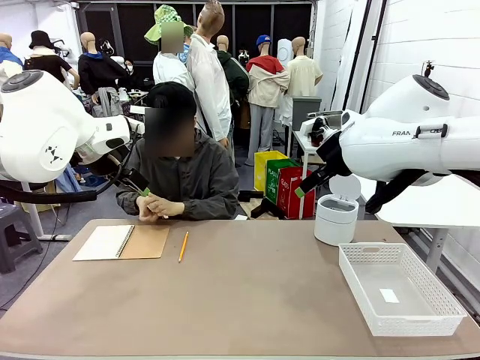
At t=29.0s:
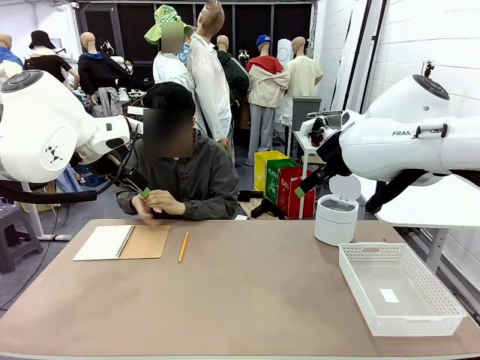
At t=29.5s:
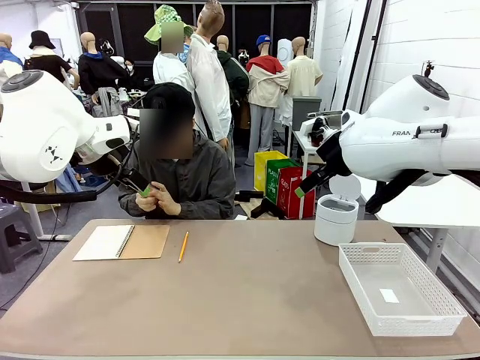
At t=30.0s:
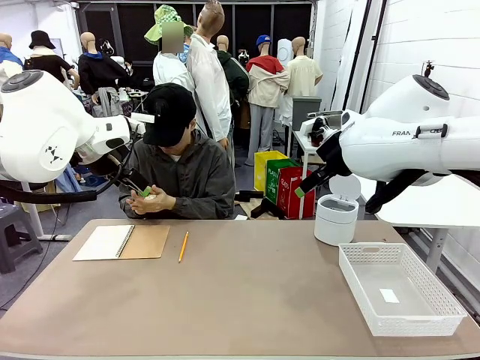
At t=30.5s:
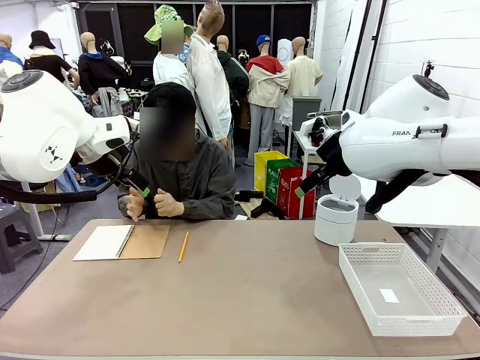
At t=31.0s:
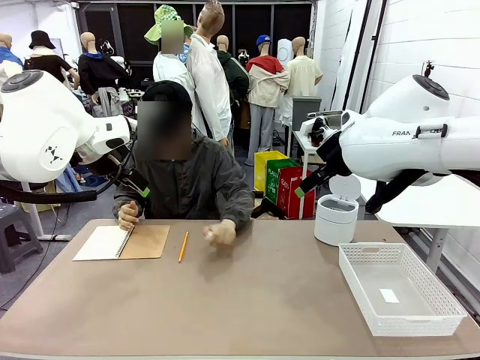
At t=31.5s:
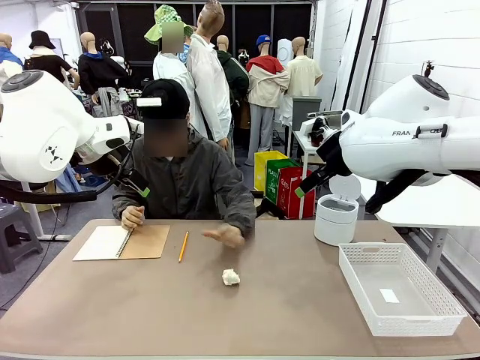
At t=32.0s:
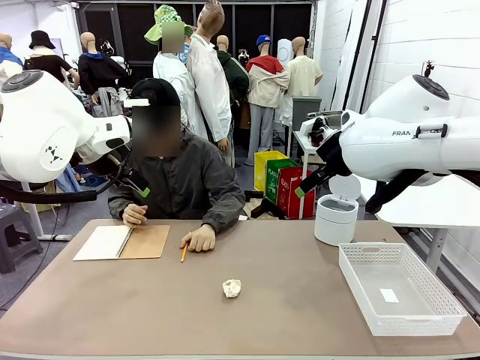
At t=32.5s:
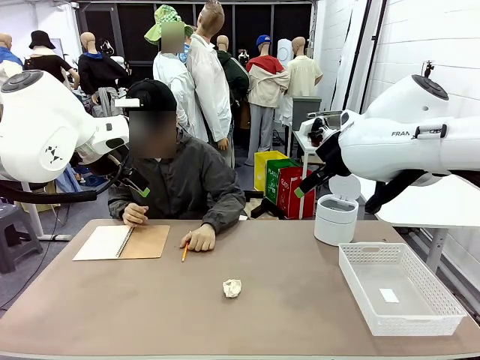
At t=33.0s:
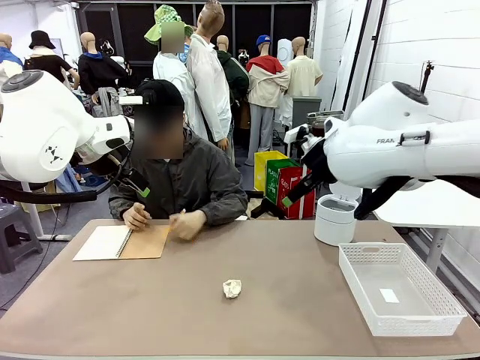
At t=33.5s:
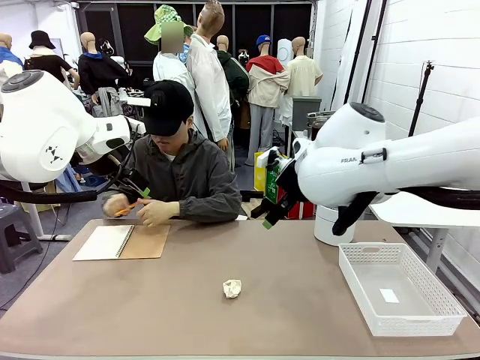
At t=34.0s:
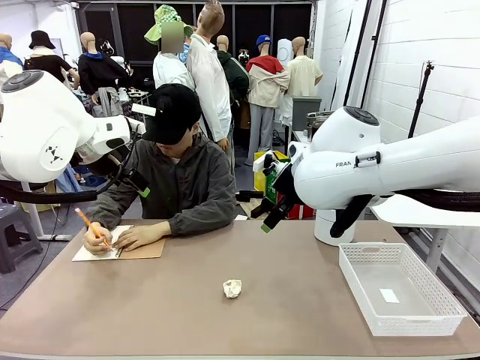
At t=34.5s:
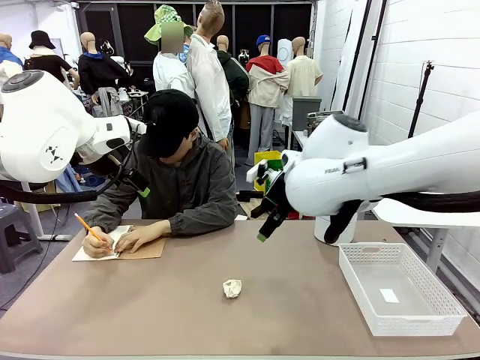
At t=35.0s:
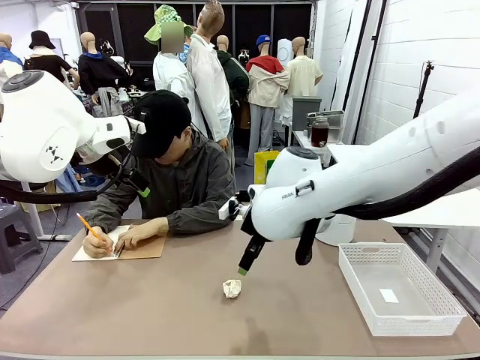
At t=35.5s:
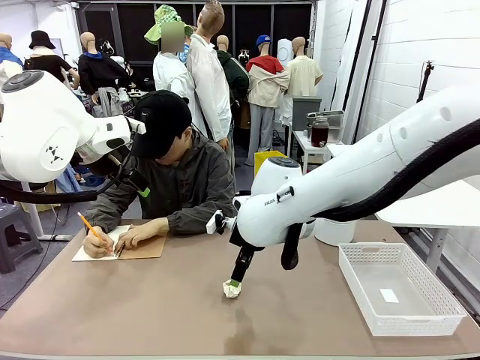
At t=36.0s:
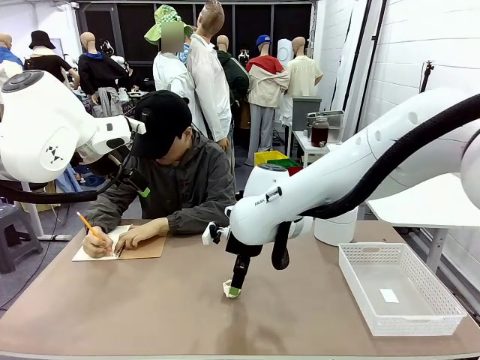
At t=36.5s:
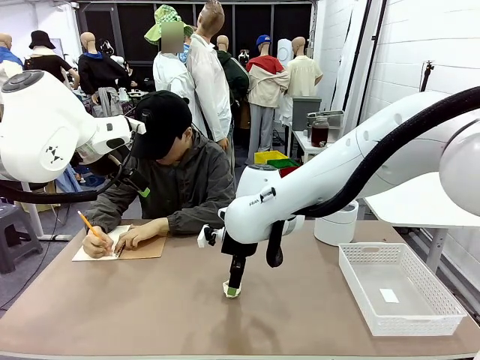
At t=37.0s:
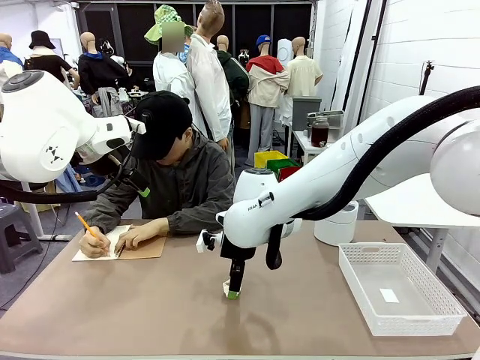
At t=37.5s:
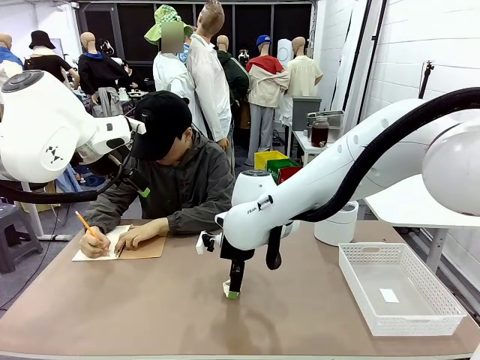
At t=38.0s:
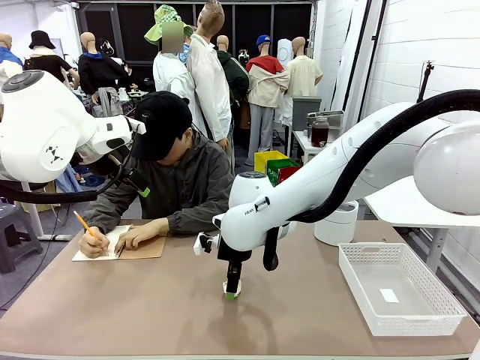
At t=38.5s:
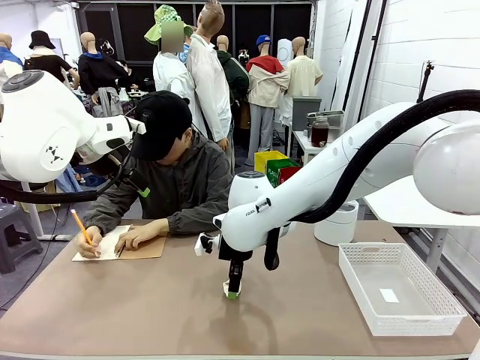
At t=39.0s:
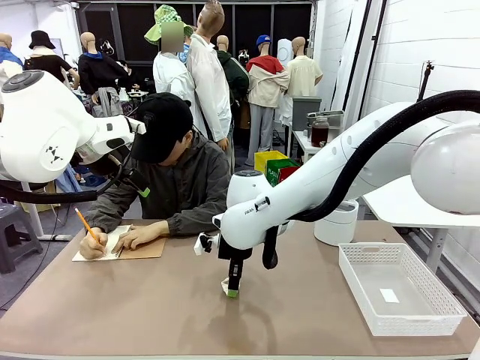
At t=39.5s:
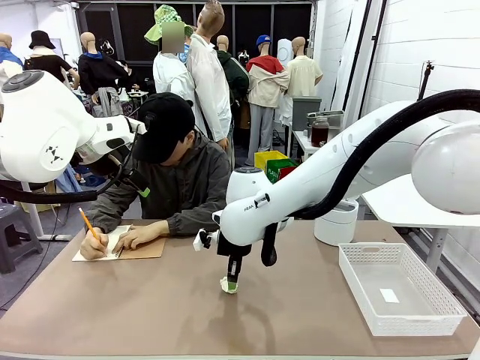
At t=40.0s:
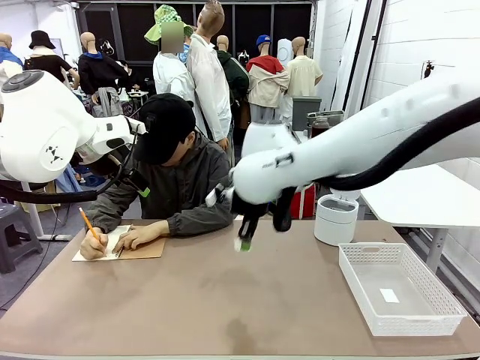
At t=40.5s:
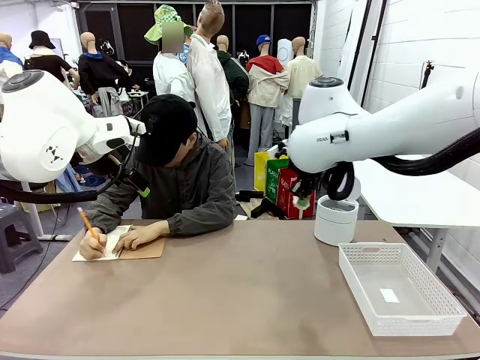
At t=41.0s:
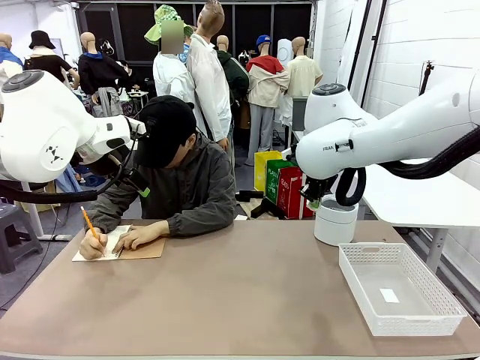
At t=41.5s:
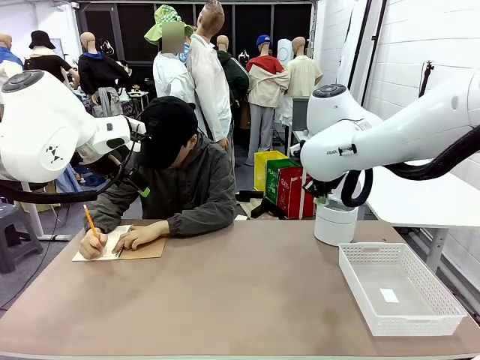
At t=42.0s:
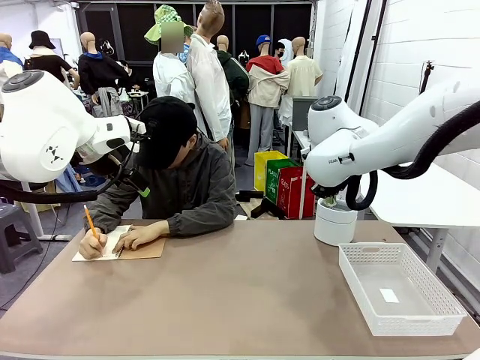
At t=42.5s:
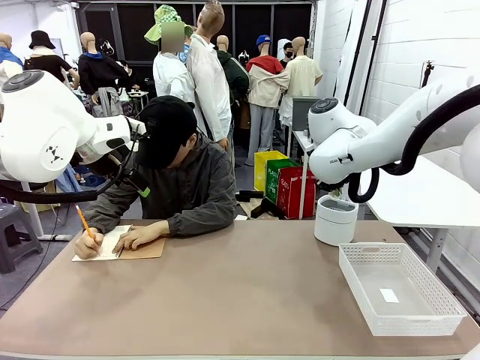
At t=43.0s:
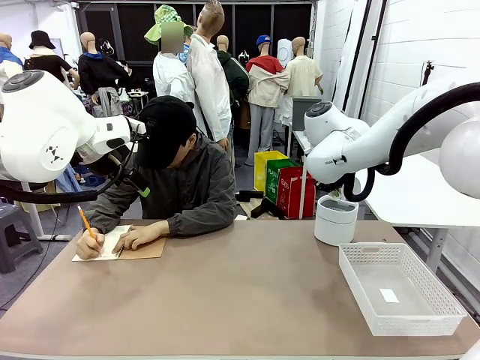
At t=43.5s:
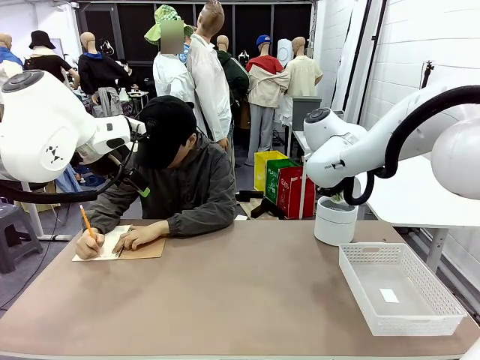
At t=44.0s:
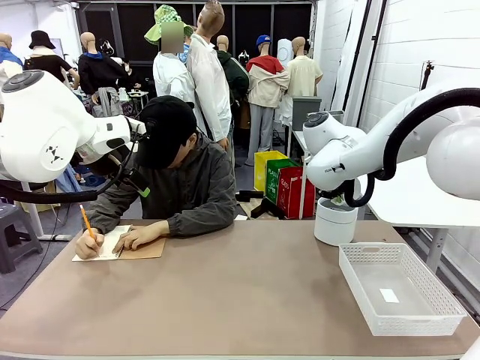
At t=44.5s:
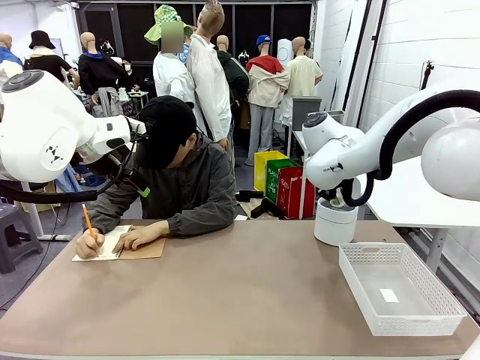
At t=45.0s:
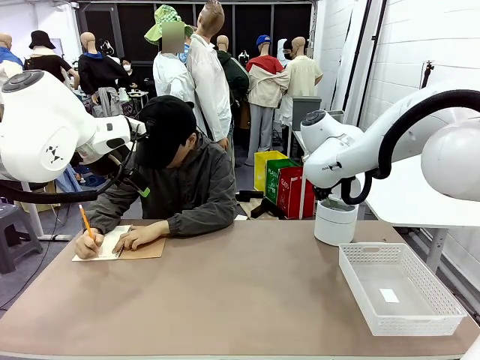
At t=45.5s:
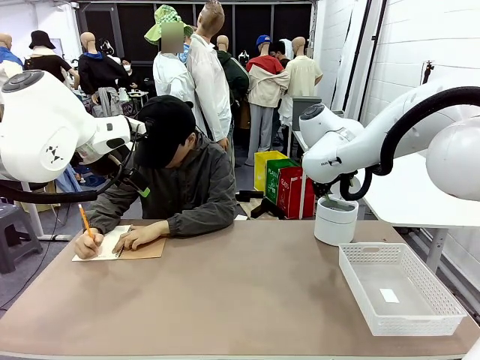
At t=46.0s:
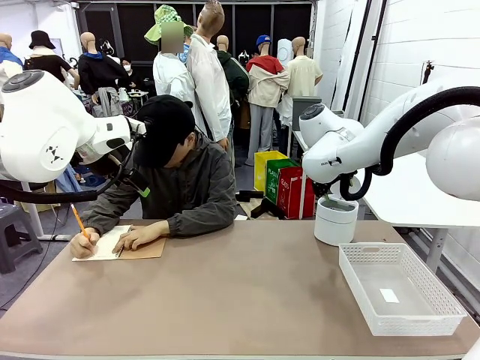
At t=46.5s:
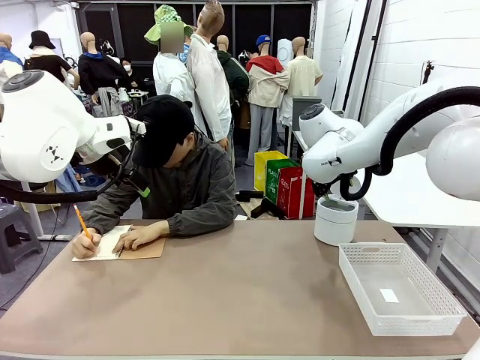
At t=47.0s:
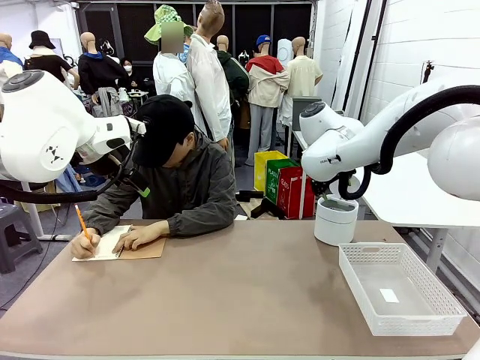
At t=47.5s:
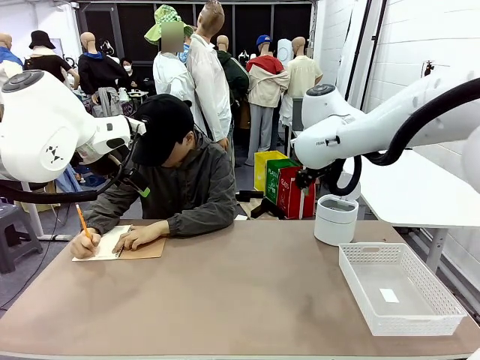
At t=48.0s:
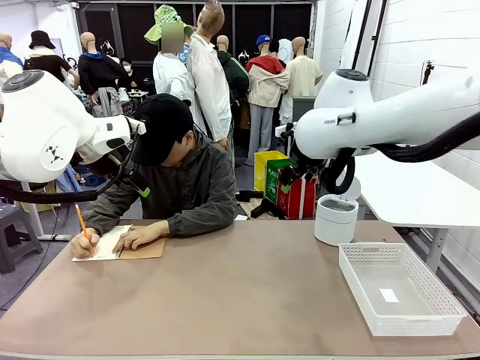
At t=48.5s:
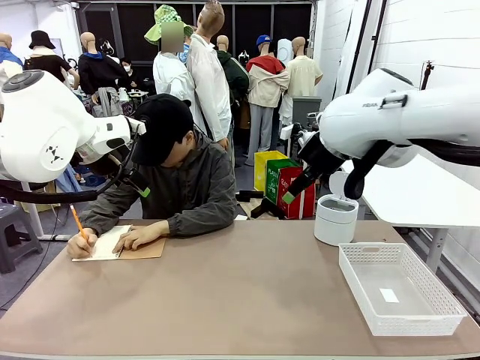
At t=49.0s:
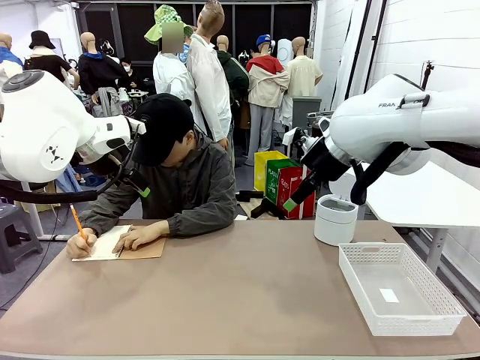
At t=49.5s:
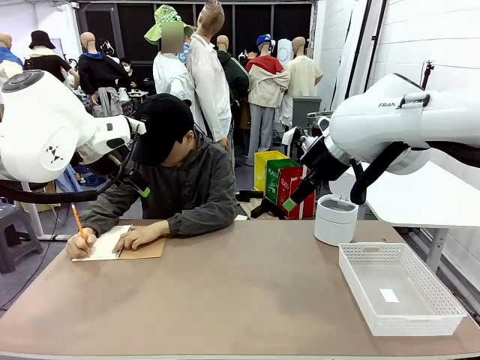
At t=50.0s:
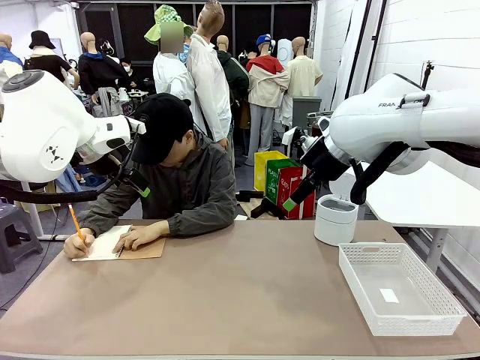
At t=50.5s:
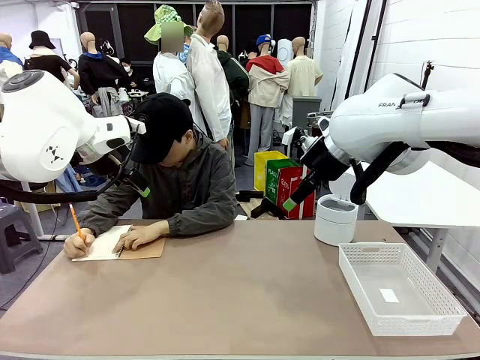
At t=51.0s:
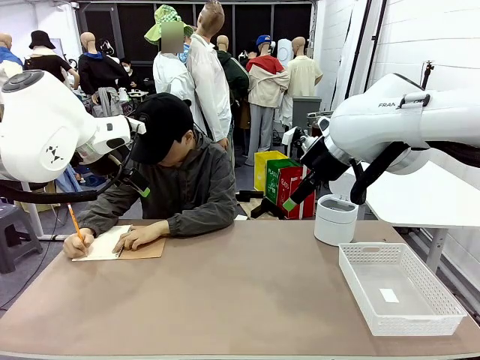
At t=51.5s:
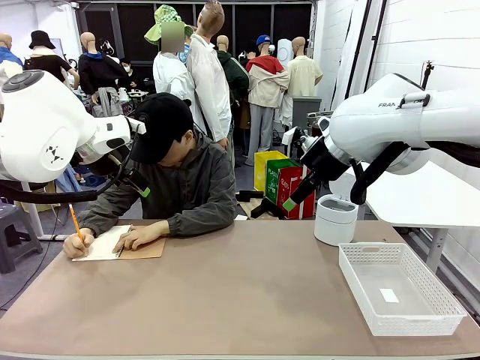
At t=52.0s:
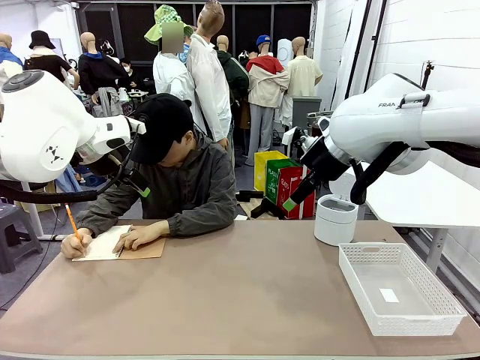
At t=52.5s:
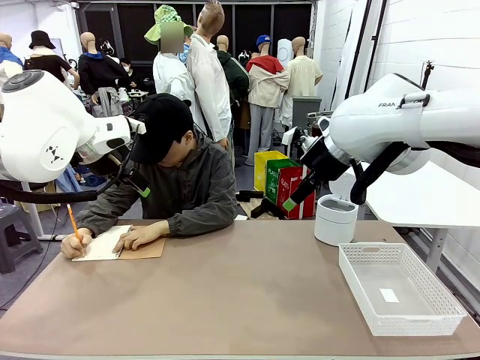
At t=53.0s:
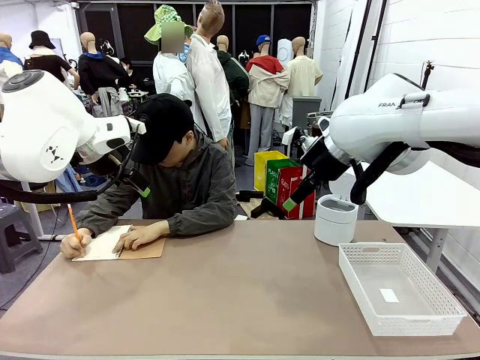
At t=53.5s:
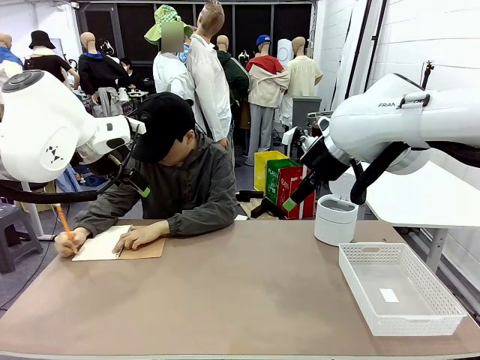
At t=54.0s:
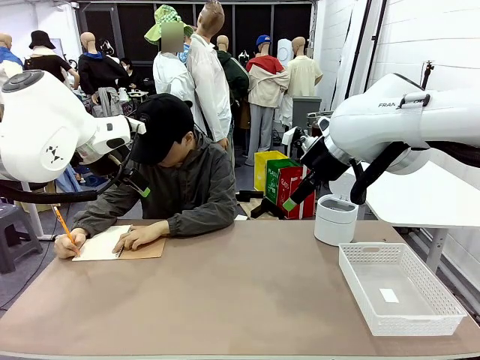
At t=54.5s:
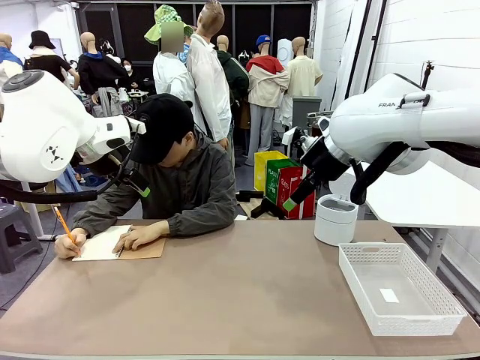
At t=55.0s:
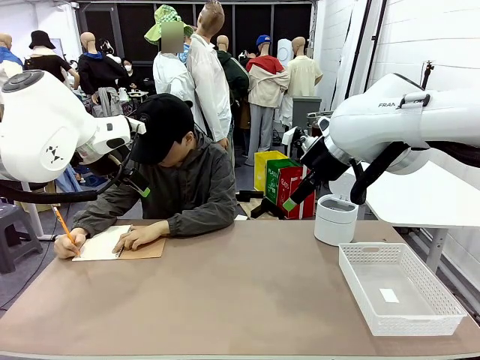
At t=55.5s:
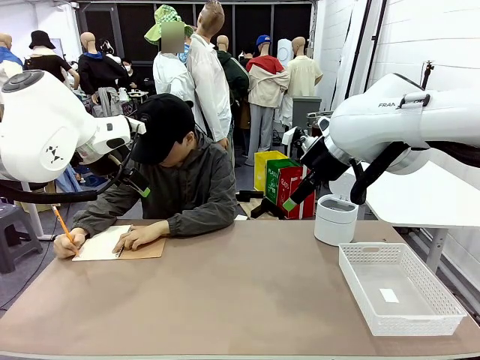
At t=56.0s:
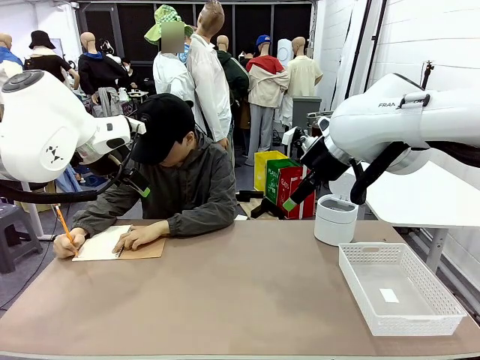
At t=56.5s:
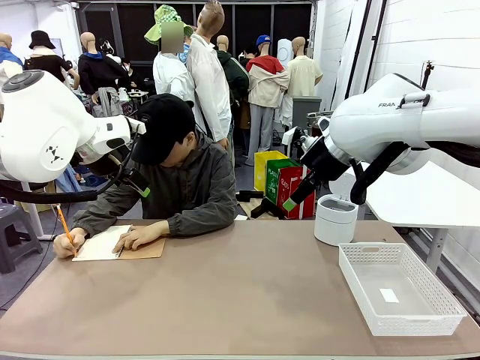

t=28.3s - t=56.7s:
Task: Sort the paper based on its condition.
Robot: If a person hands you a paper, place it in the Organizing basket , and if it's crumpled, put it in the Trash can.
Person: Hand the torn page to the robot or crumple it and throw it to the center of the table. Tear out a page from the spiral notebook.
